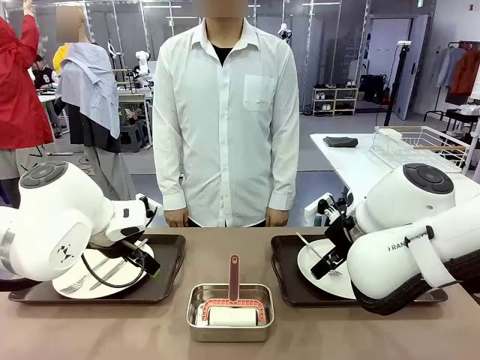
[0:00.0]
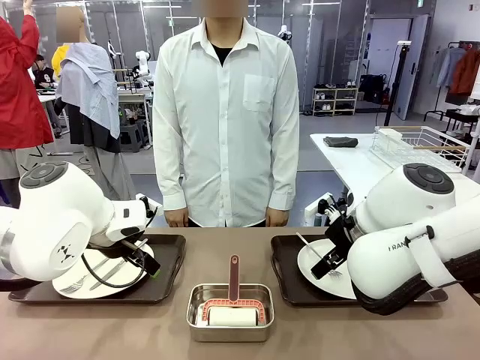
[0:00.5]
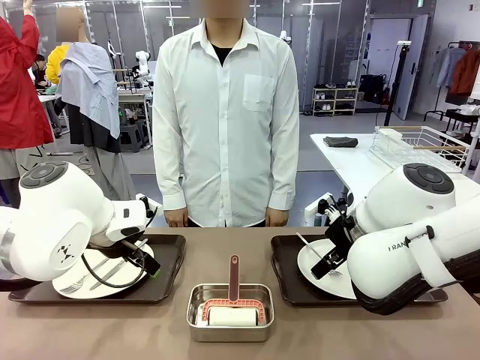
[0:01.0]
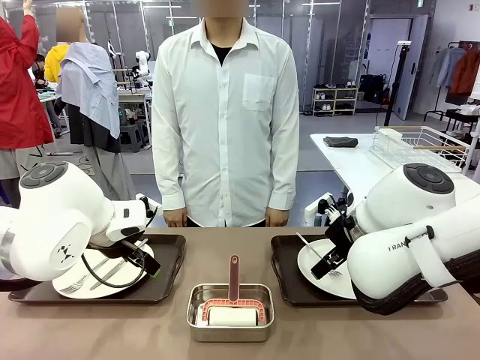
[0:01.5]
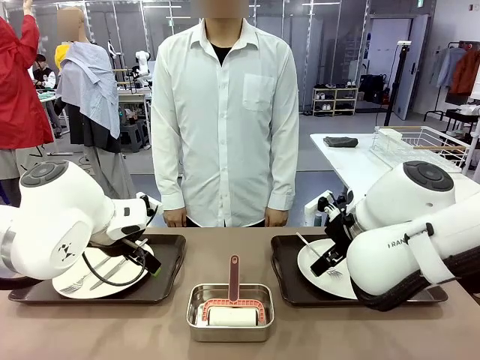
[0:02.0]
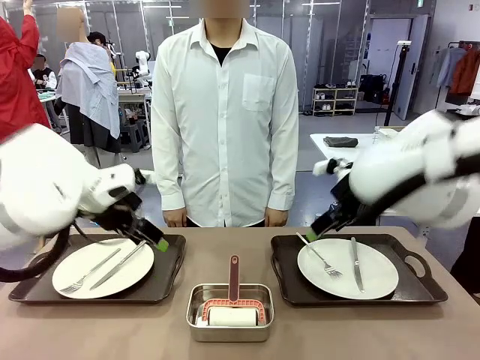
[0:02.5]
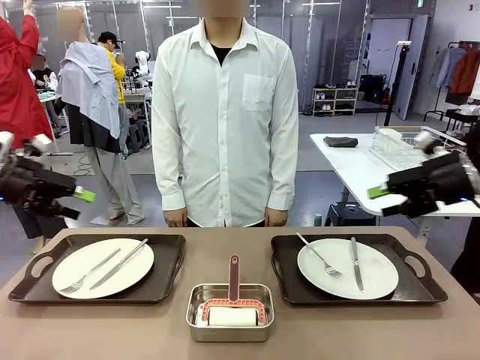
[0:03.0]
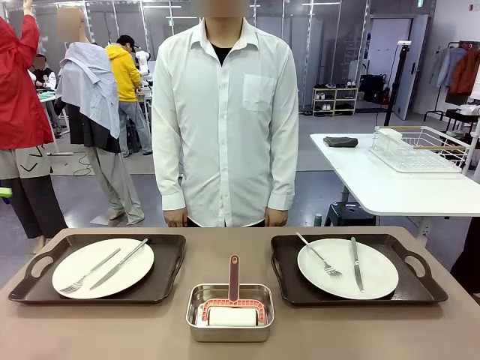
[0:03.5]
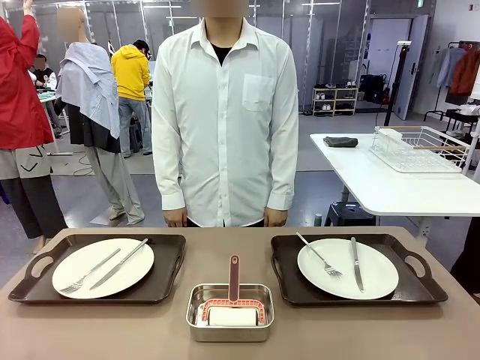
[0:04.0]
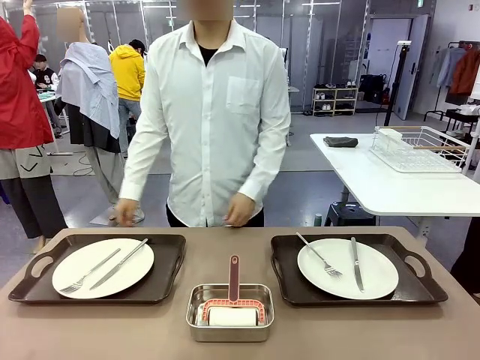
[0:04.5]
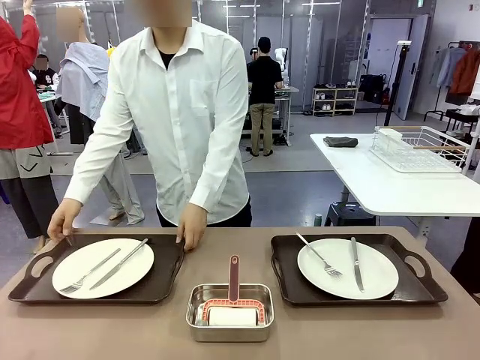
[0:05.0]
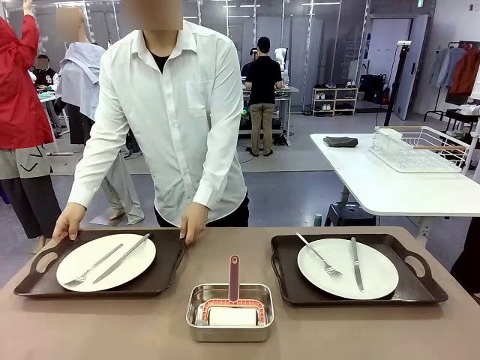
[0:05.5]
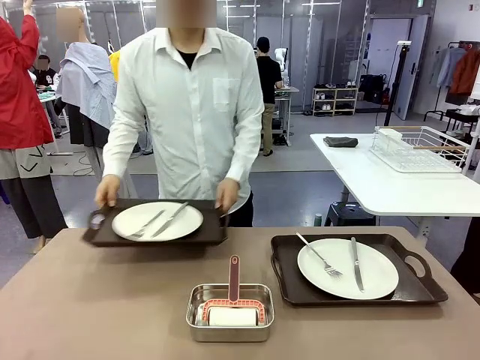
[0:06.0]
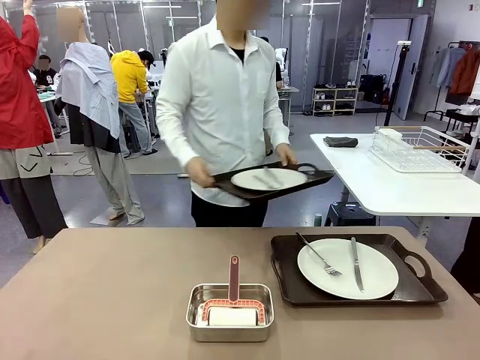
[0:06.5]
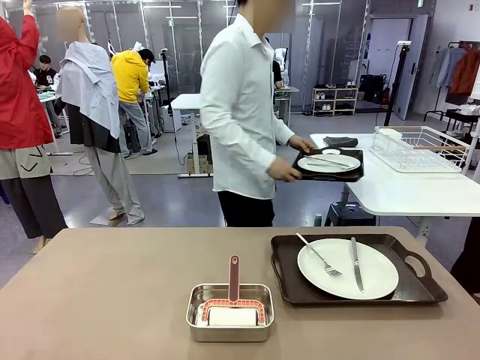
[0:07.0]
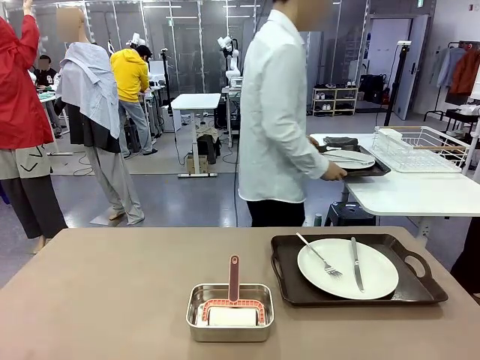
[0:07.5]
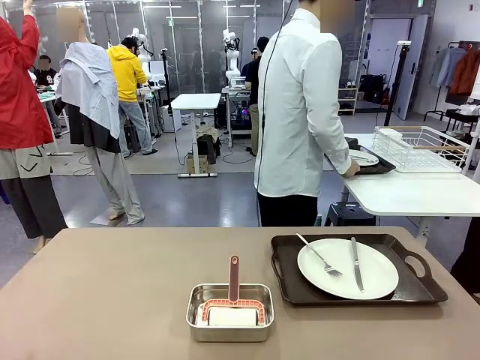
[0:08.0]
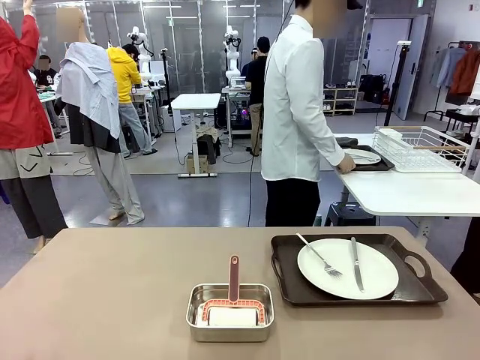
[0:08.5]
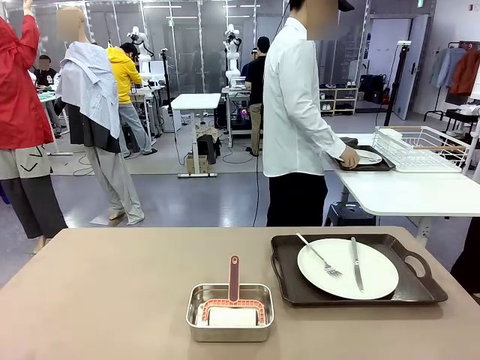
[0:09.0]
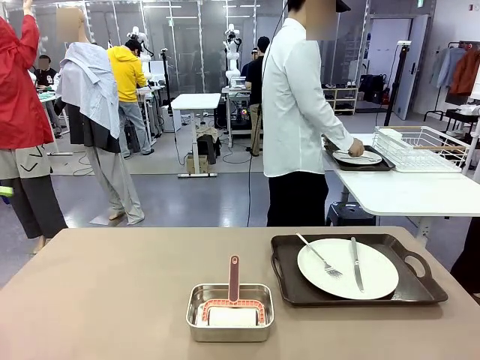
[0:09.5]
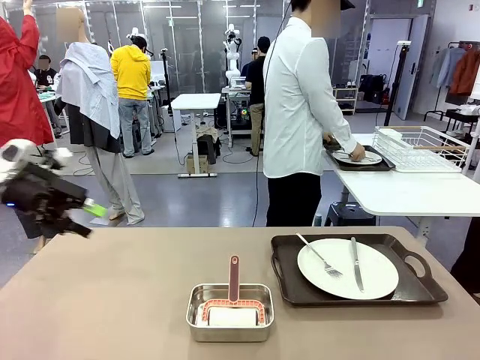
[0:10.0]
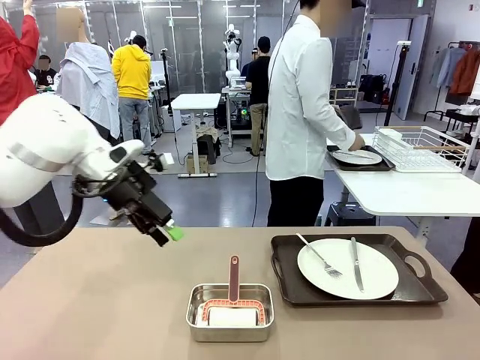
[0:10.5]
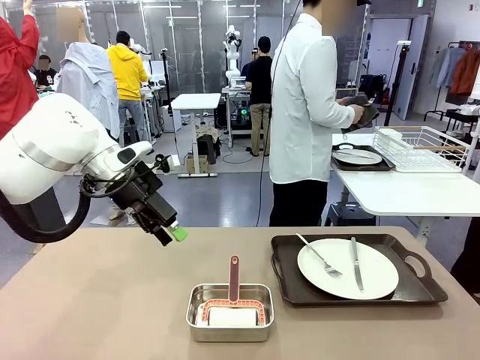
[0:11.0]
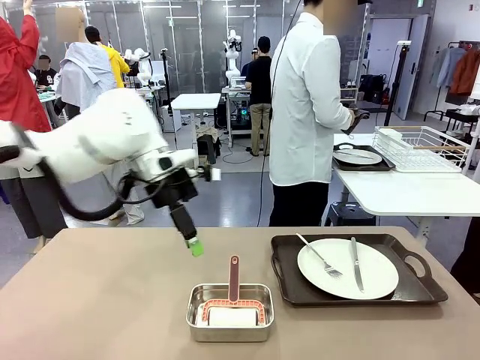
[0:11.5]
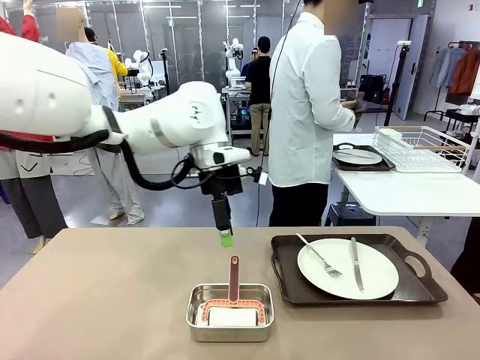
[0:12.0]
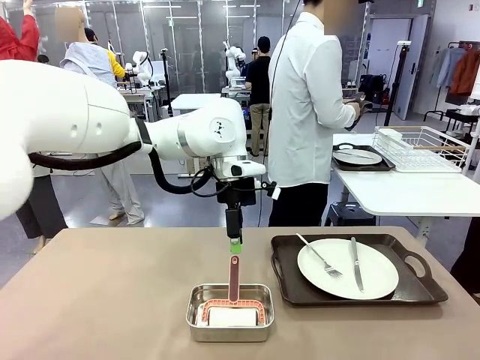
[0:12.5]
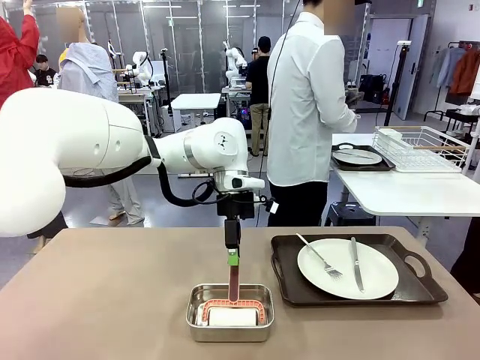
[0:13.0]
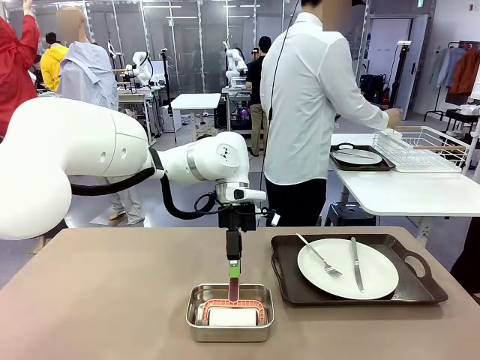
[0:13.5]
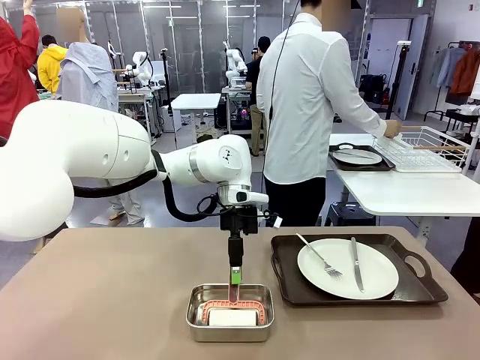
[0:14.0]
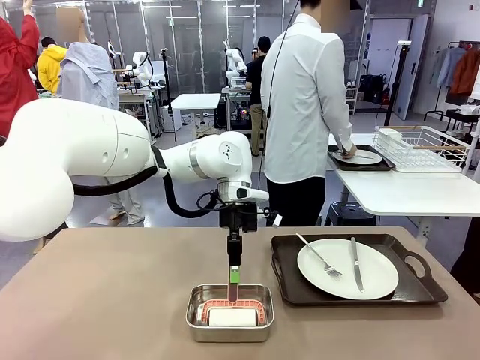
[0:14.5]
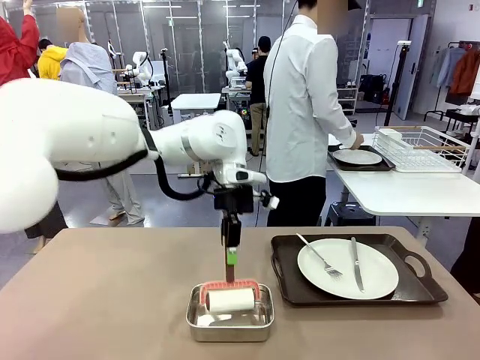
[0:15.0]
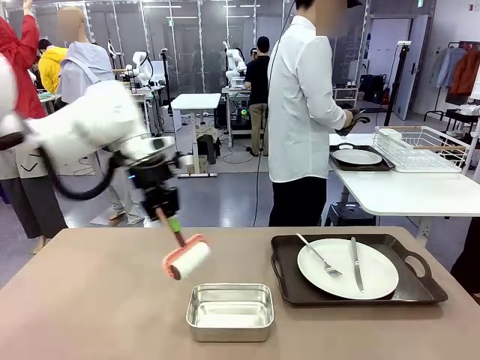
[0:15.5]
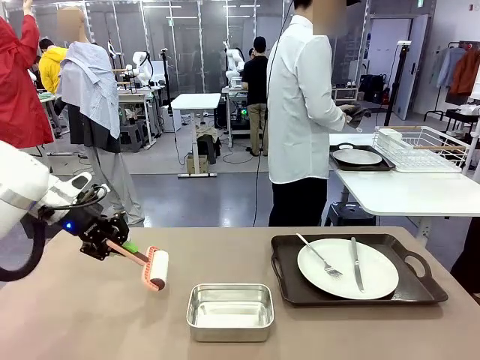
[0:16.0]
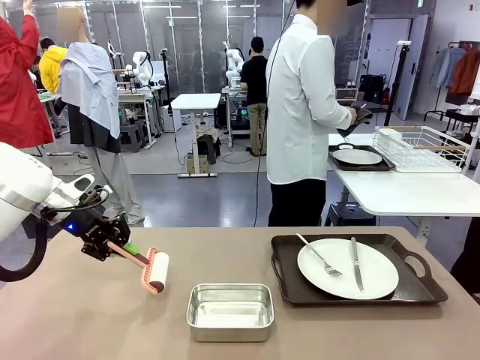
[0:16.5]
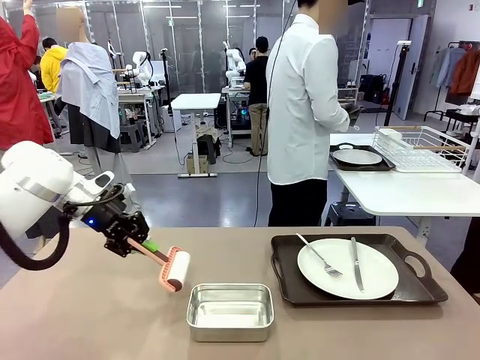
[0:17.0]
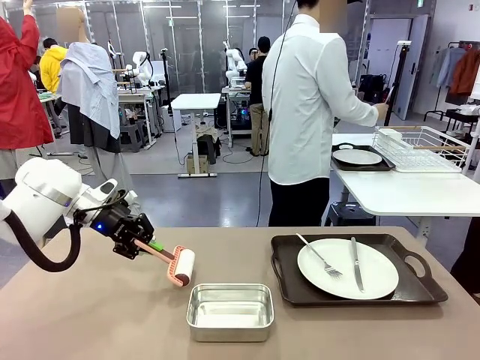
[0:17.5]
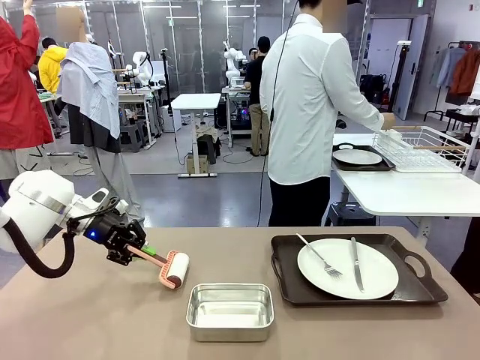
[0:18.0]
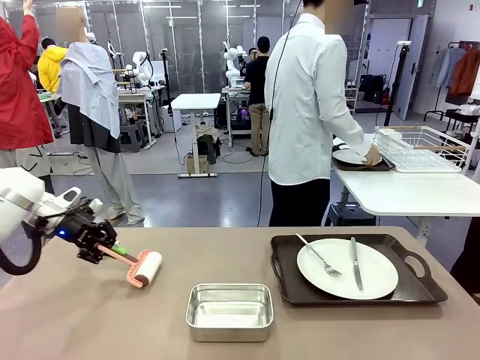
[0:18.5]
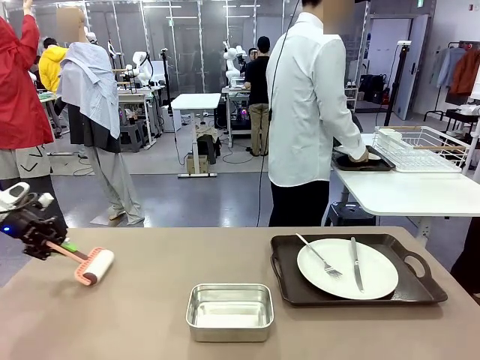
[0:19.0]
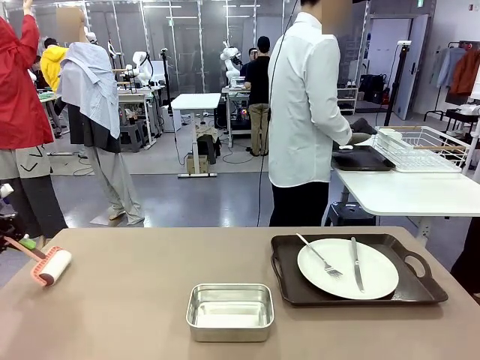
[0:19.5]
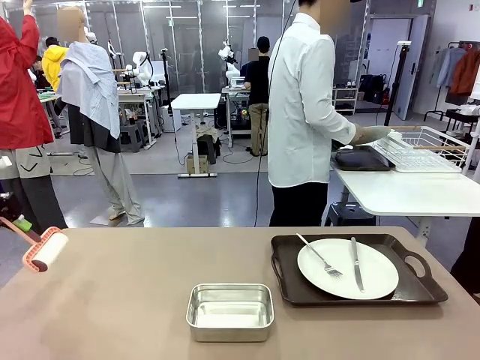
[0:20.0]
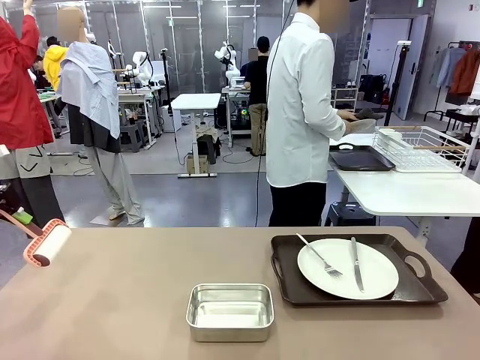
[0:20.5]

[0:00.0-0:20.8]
Robot: When the left (or right) Handle tray is removed, use the left hand (or right hand) to clean the left (or right) side of the table with the Lint Roller.
Person: Pick up the left (or right) Handle tray and place it on the middle of the Human's table. Use the Towel with hook to wipe the Plastic Matte Plate , Fork , and Knife and place into the Dish drying rack.

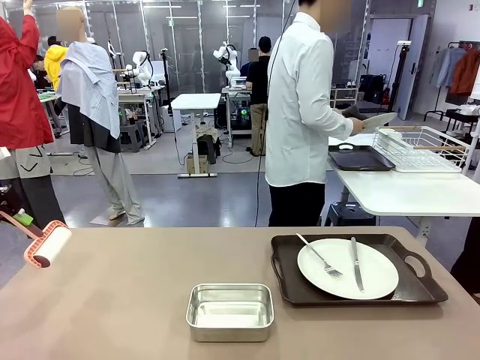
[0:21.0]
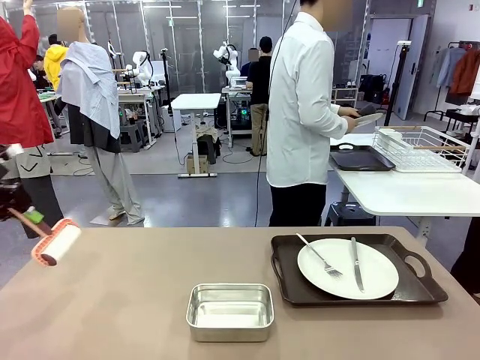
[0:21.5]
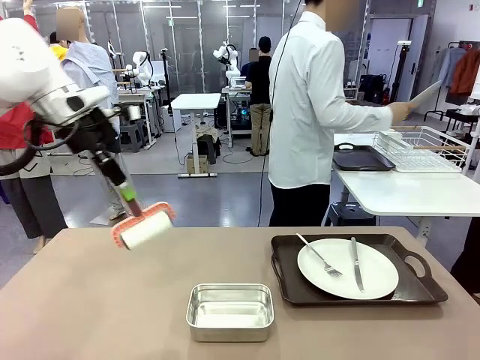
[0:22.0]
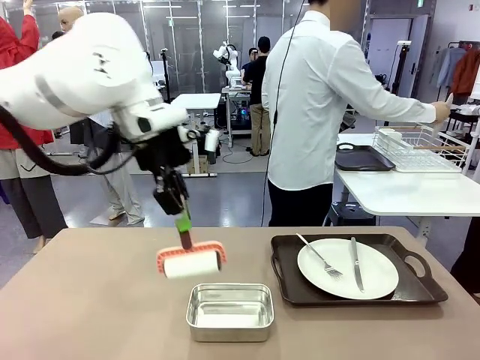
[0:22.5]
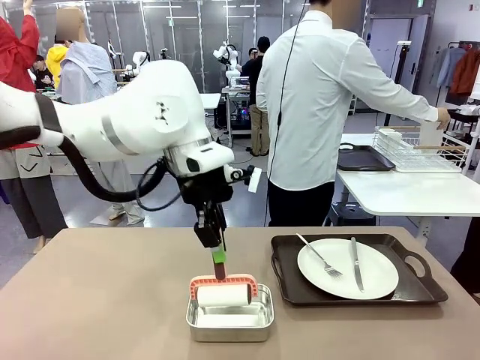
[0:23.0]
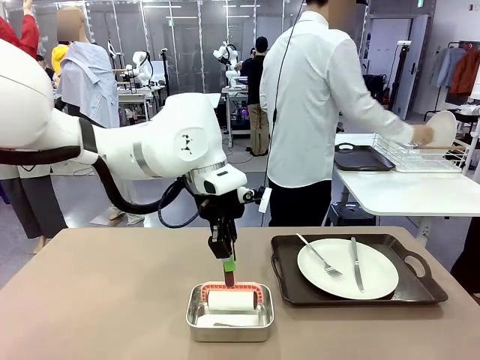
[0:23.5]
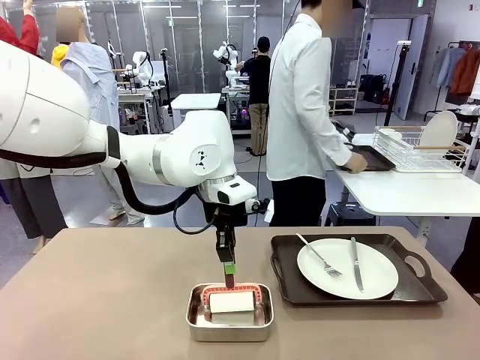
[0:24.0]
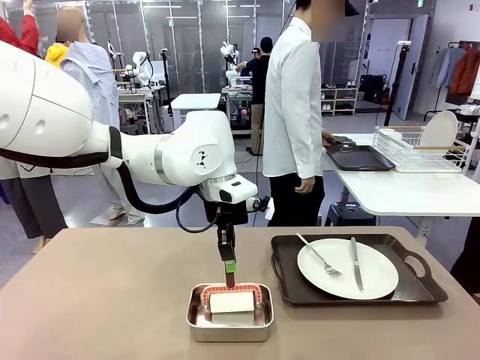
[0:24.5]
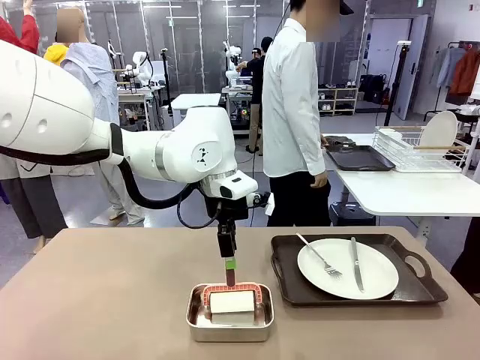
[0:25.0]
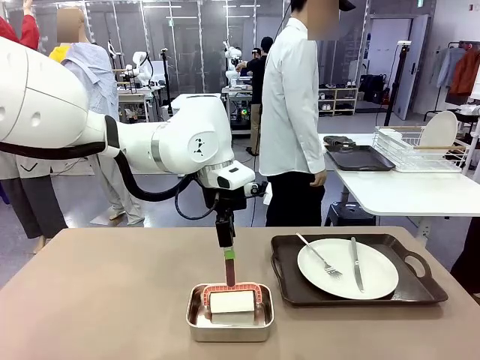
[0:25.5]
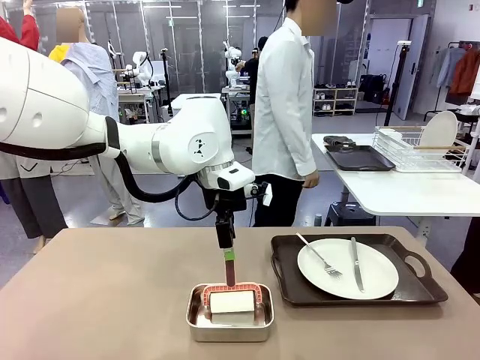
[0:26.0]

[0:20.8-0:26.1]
Robot: Place the Lint Roller back on top of the Airtight Container.
